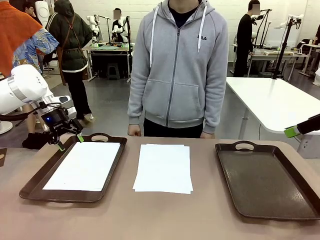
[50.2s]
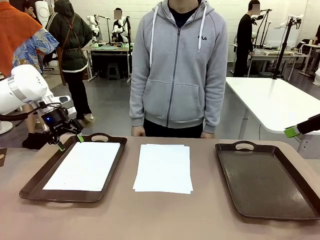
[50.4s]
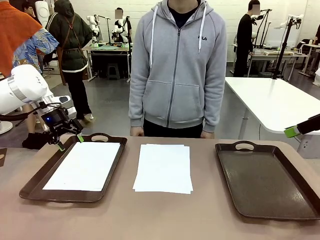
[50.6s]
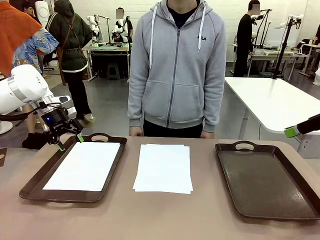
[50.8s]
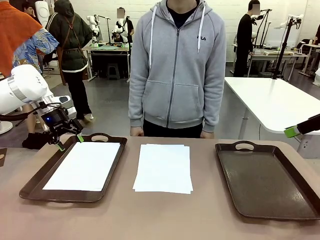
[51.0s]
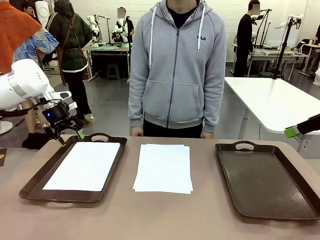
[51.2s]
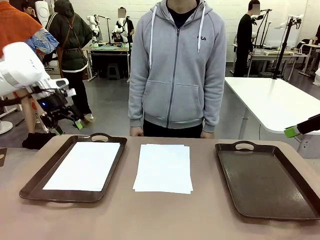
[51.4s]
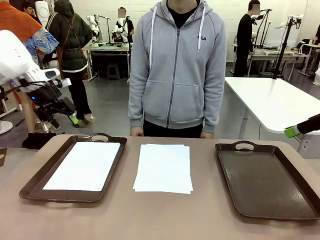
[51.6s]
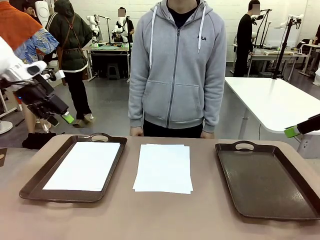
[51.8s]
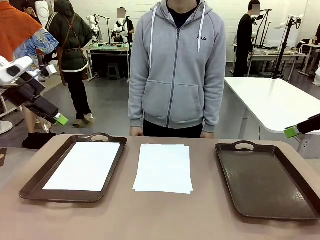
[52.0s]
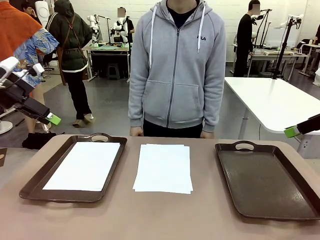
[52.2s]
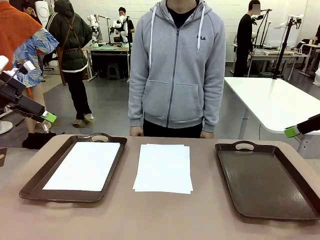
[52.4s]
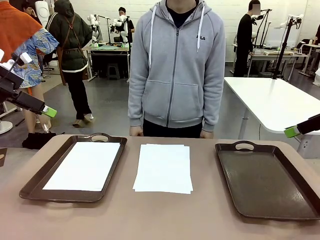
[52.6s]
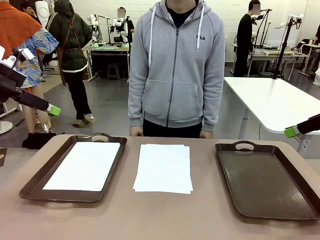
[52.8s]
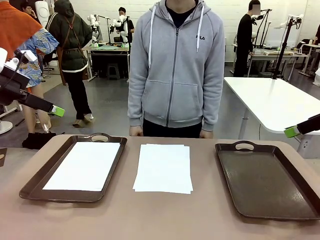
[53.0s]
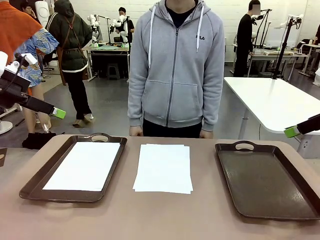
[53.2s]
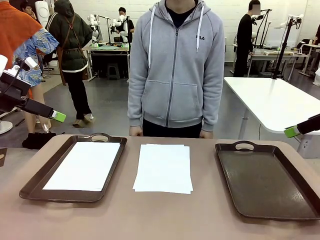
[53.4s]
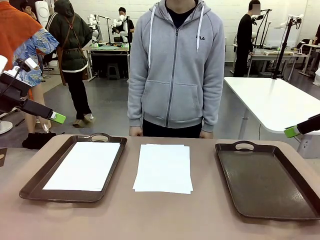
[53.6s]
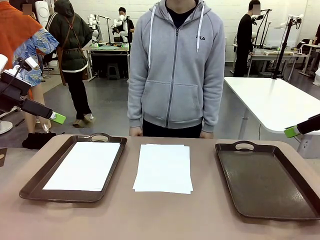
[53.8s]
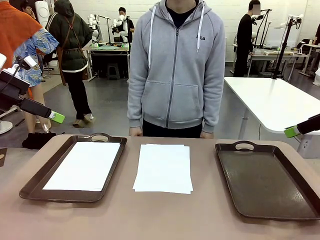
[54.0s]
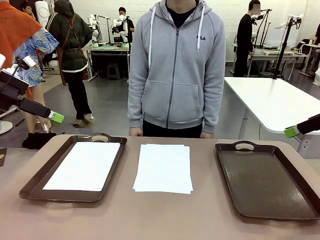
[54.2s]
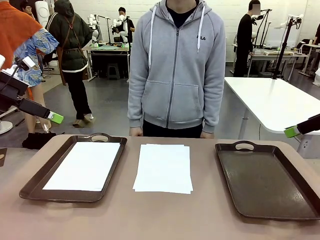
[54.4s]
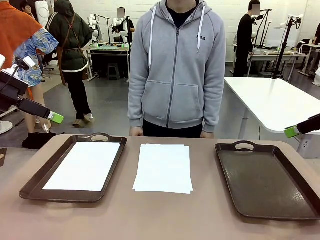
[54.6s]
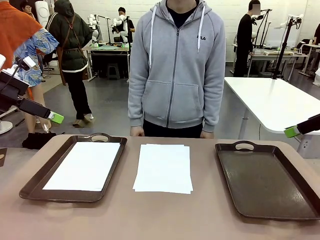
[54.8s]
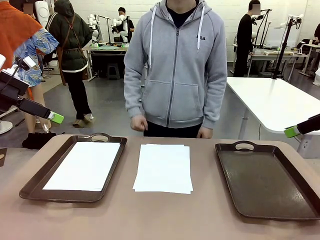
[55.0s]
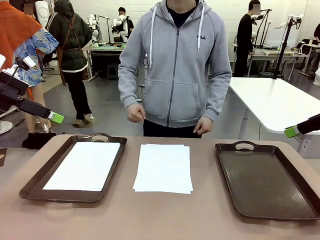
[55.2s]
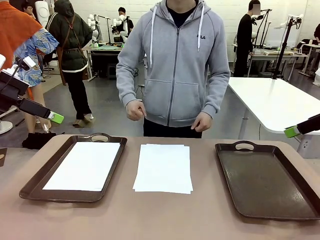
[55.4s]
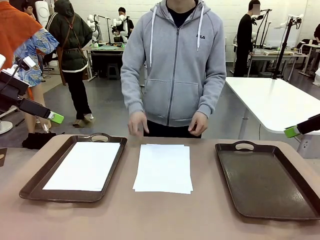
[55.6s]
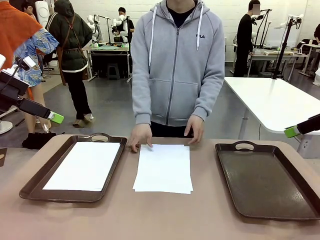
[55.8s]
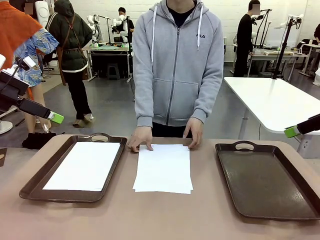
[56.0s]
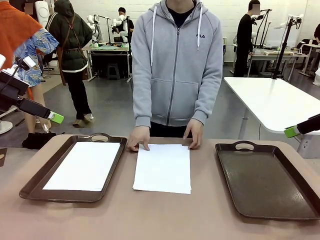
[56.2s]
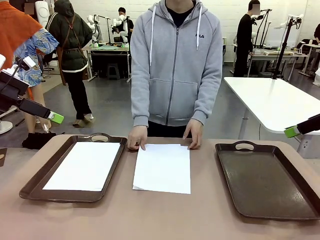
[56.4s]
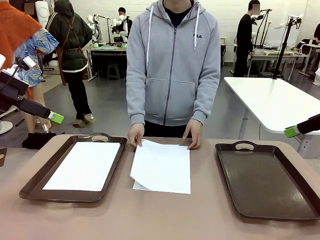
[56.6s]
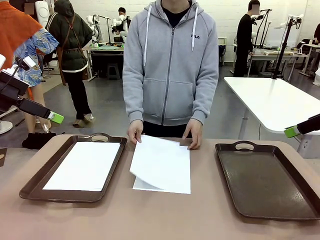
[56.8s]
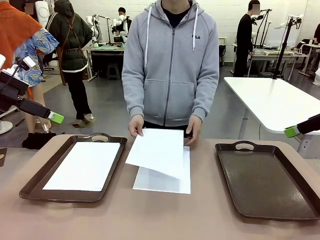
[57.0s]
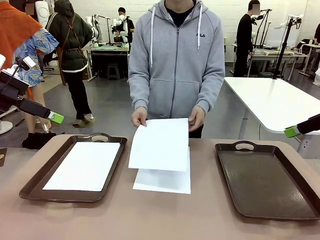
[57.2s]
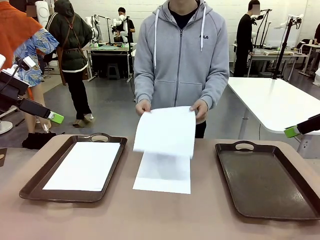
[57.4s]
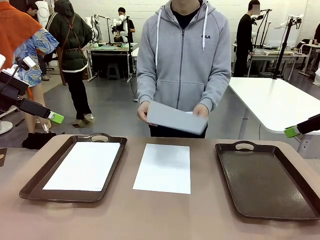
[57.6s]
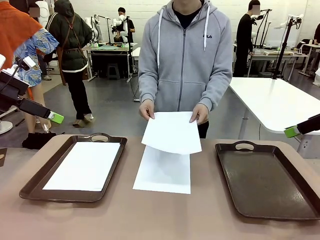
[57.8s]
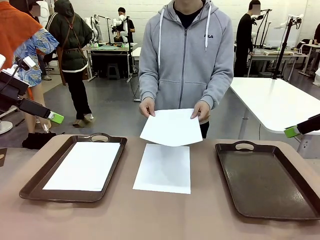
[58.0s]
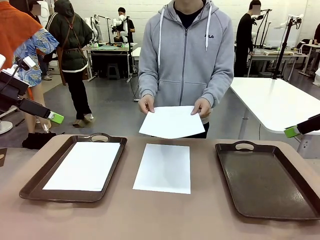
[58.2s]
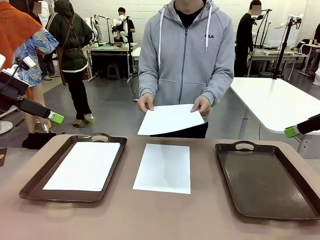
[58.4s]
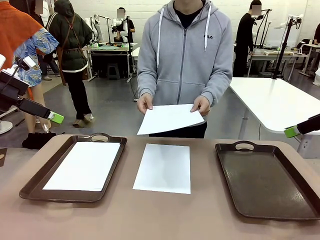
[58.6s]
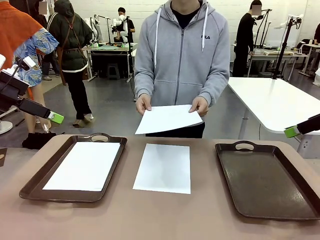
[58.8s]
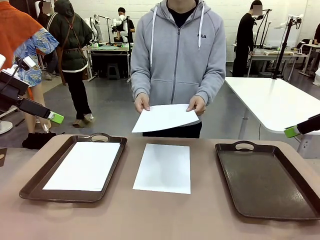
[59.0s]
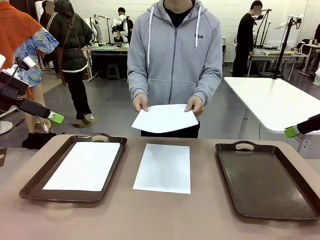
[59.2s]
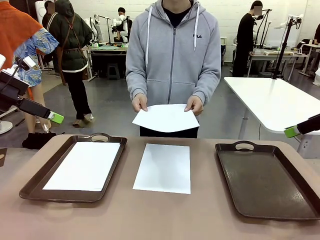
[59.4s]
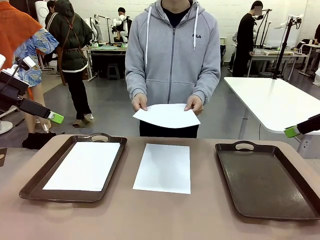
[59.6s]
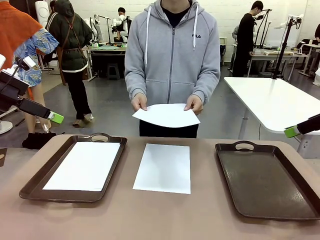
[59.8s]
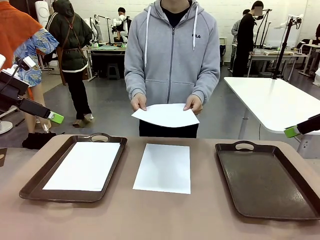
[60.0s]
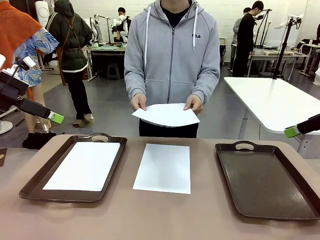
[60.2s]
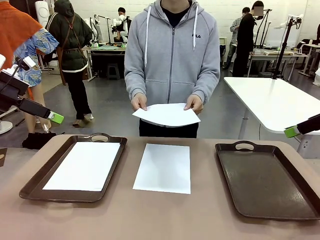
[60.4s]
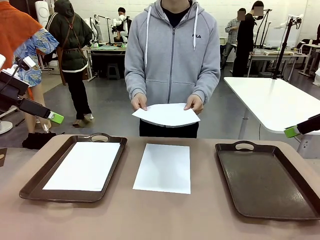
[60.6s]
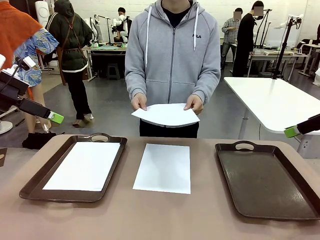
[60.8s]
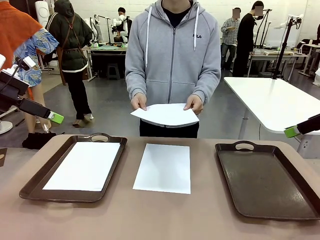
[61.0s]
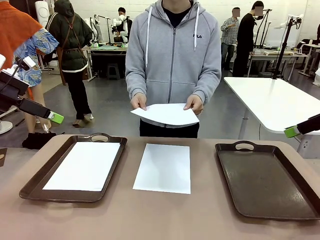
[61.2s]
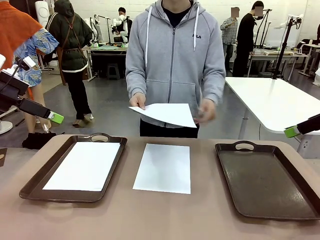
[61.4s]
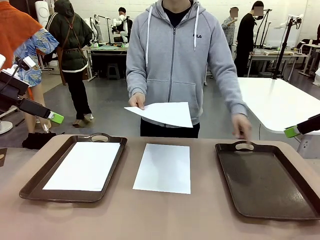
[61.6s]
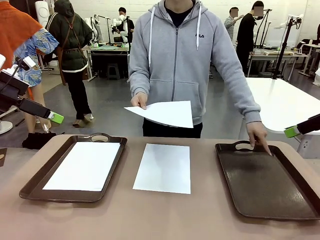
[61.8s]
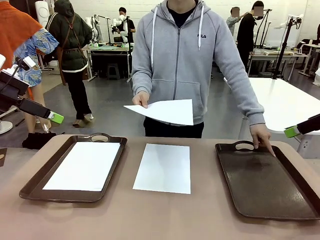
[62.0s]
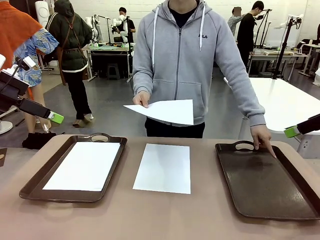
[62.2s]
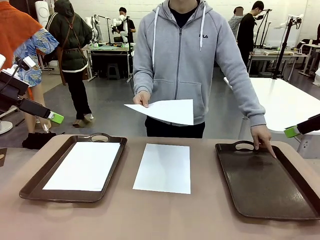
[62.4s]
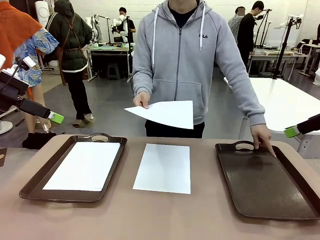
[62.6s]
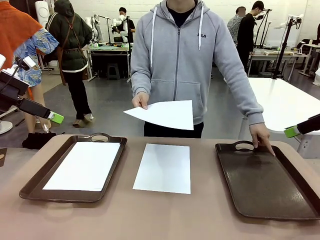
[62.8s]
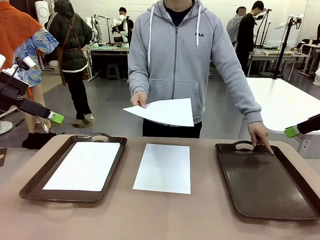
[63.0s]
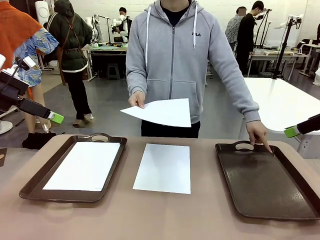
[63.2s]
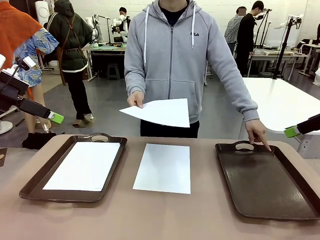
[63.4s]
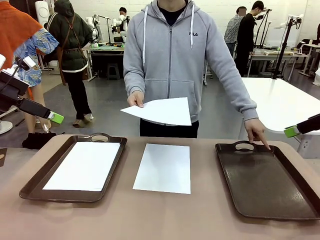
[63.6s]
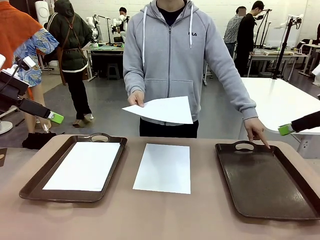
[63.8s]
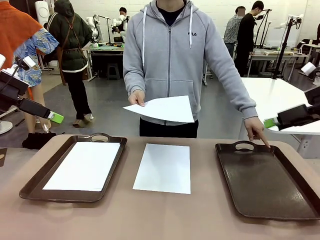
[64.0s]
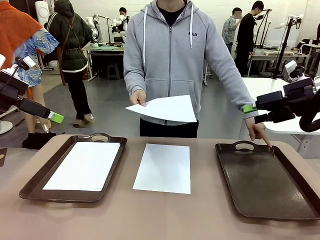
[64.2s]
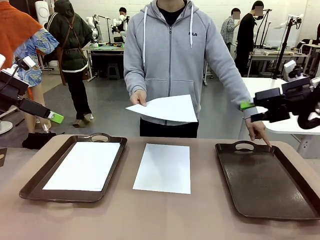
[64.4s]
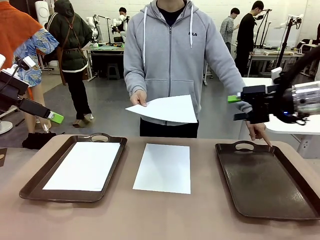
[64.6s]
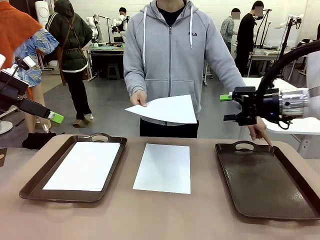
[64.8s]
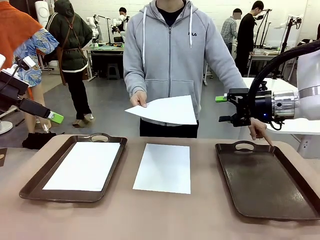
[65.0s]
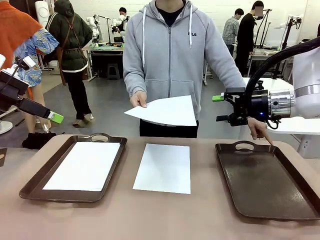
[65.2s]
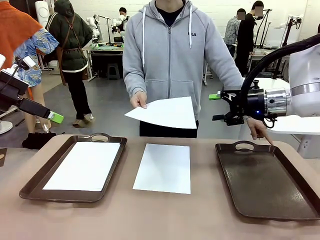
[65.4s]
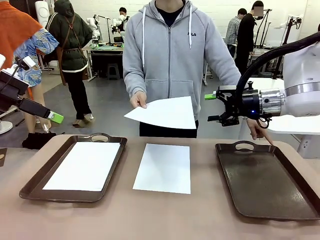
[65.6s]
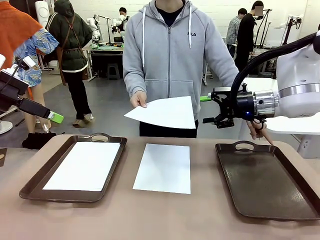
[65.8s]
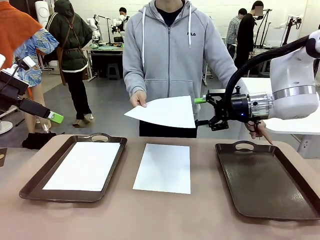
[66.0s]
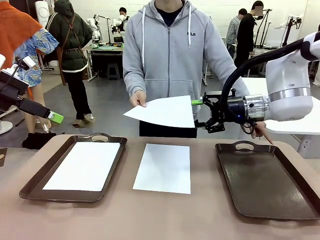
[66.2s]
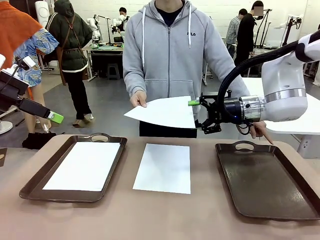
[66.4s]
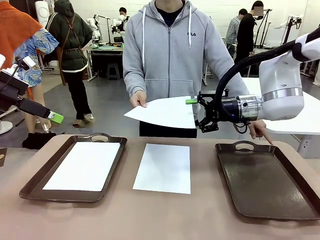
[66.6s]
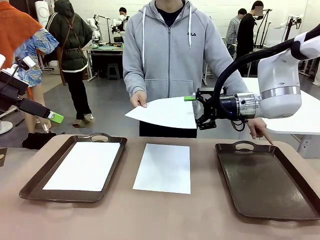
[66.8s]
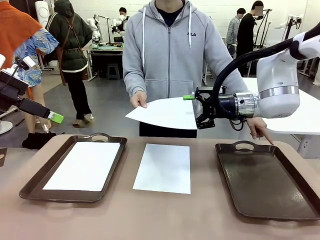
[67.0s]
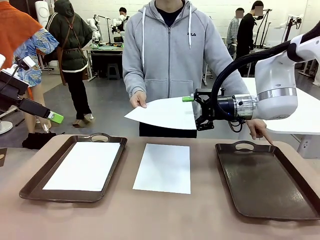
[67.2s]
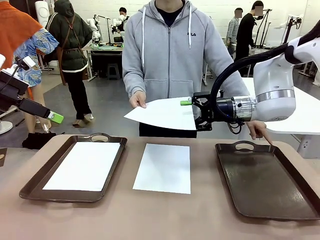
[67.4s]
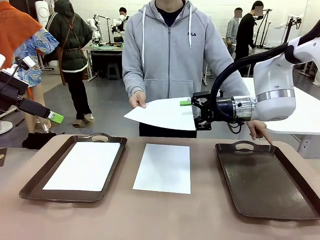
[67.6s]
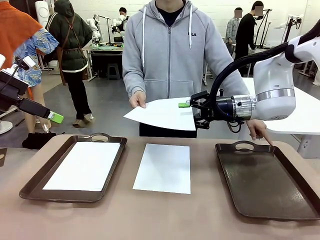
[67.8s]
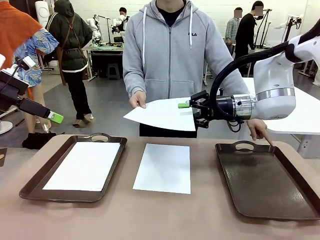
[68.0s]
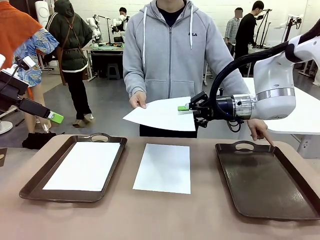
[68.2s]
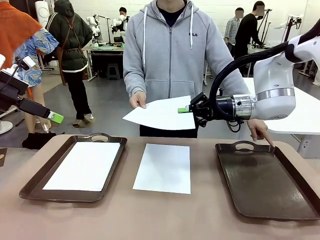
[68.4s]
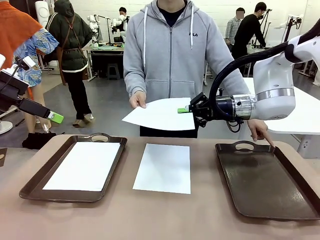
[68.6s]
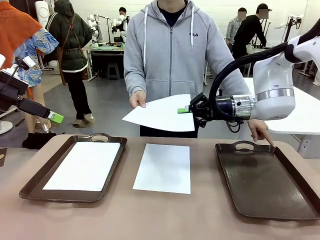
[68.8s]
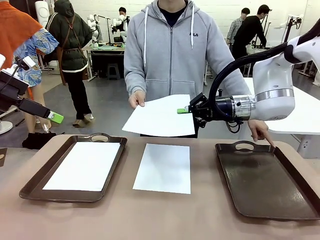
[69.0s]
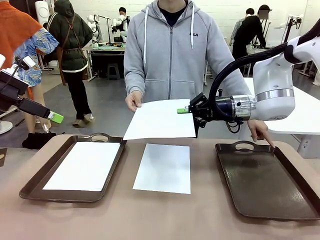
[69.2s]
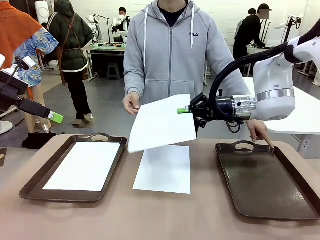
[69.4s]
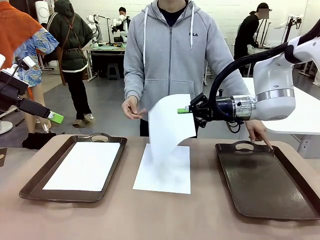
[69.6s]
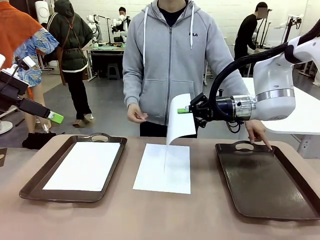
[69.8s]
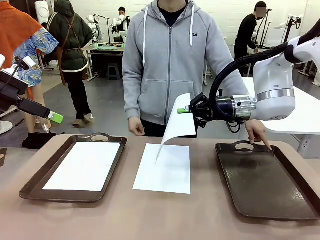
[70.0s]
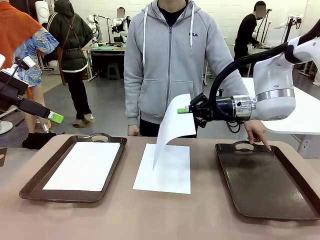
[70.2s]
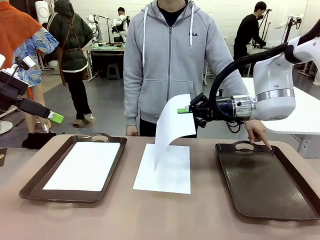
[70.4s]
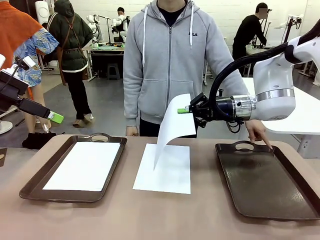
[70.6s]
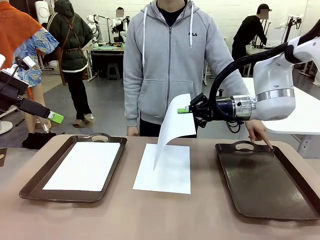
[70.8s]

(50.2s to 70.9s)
Task: Sort the A4 documents.
Robot: Receive the A4 Paper.
Person: Point the randomly selected tray with the other hand.
